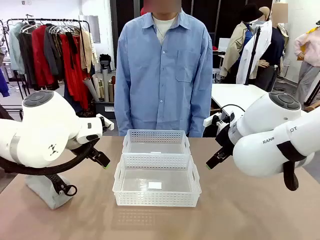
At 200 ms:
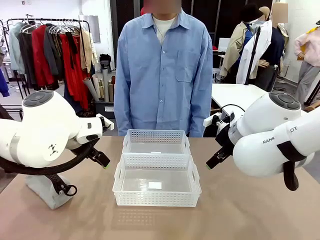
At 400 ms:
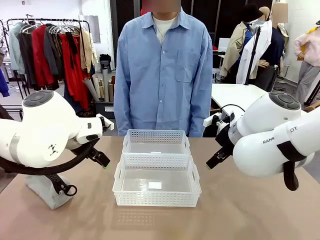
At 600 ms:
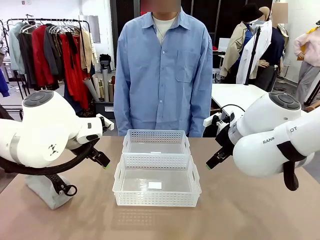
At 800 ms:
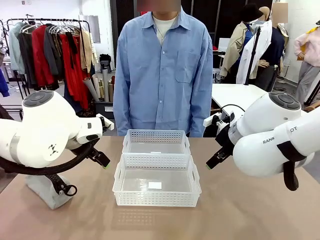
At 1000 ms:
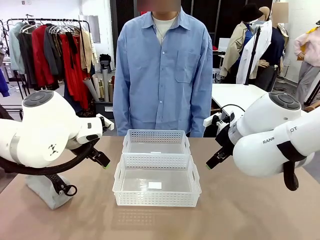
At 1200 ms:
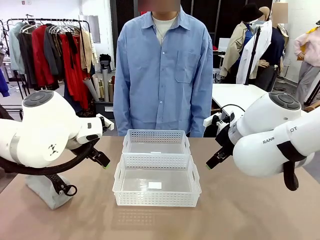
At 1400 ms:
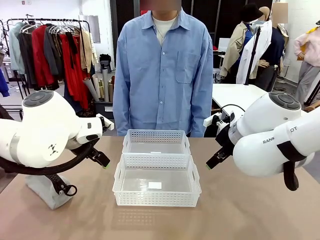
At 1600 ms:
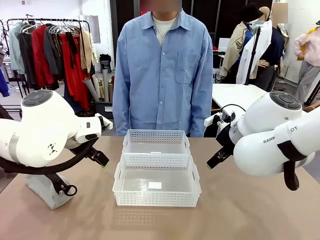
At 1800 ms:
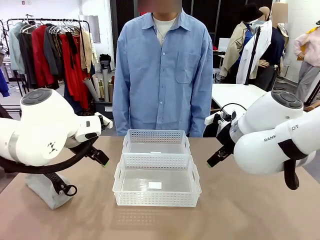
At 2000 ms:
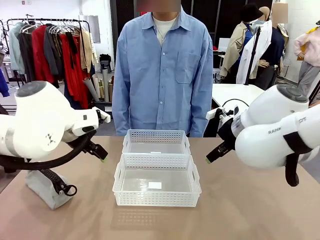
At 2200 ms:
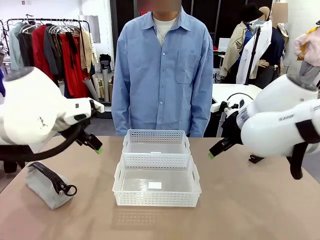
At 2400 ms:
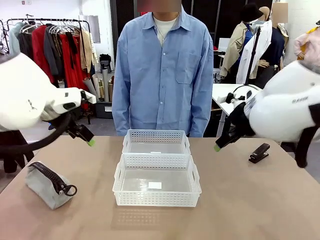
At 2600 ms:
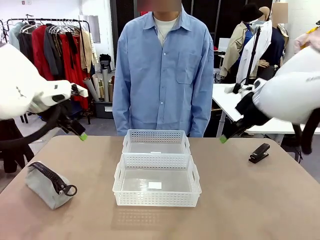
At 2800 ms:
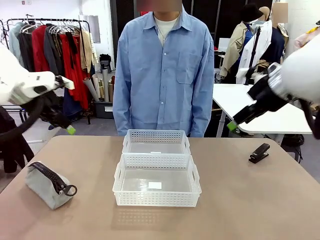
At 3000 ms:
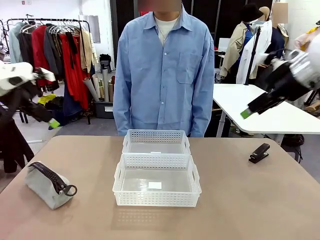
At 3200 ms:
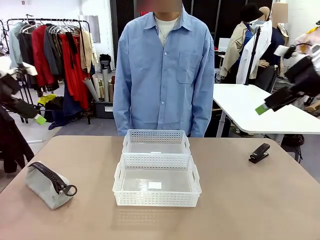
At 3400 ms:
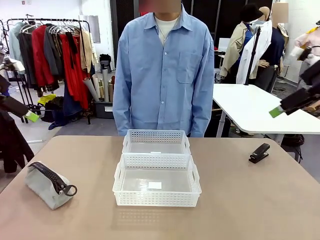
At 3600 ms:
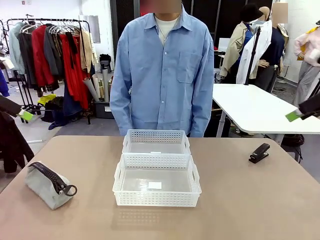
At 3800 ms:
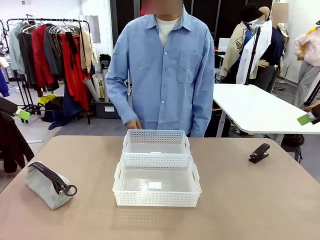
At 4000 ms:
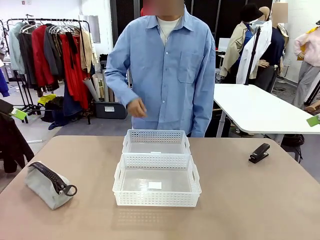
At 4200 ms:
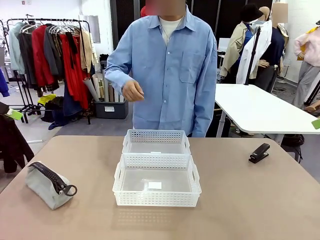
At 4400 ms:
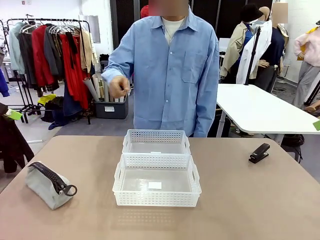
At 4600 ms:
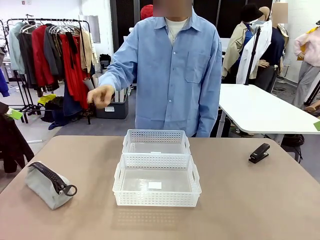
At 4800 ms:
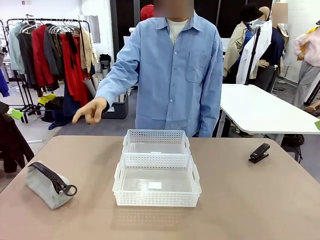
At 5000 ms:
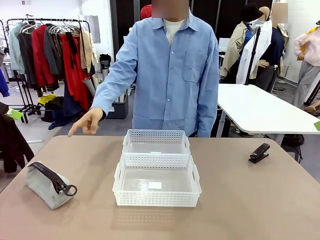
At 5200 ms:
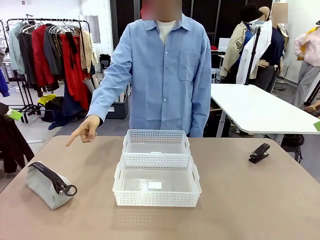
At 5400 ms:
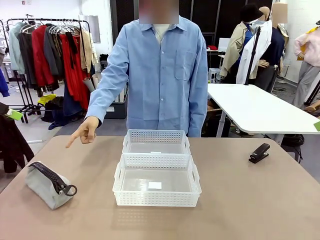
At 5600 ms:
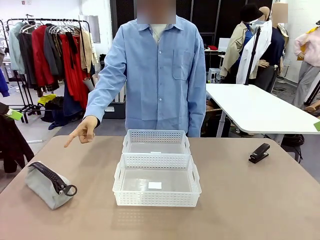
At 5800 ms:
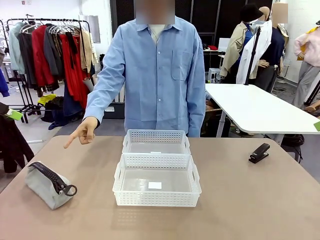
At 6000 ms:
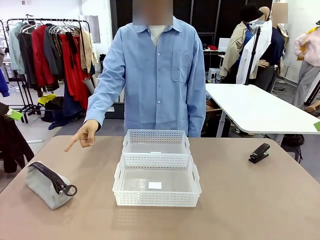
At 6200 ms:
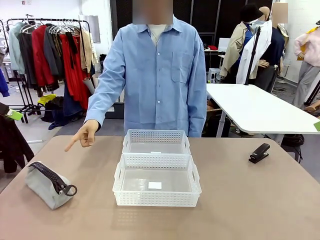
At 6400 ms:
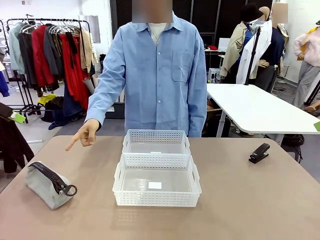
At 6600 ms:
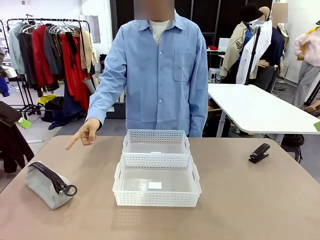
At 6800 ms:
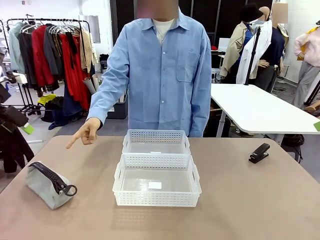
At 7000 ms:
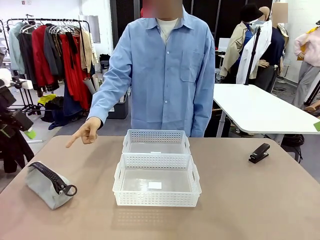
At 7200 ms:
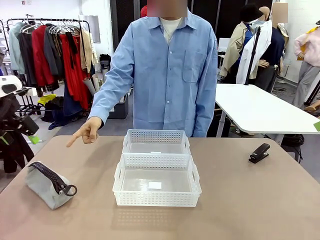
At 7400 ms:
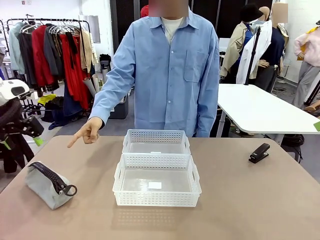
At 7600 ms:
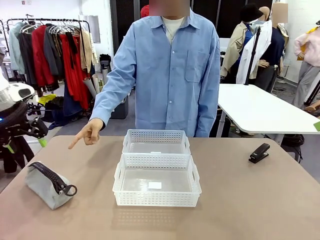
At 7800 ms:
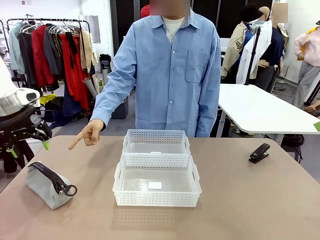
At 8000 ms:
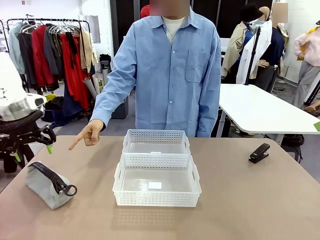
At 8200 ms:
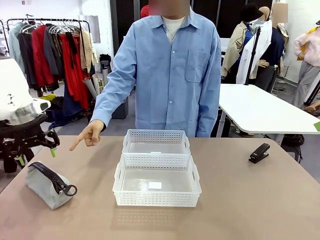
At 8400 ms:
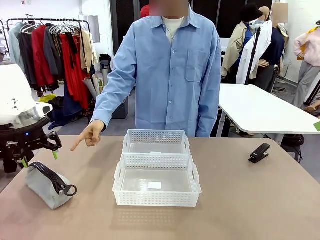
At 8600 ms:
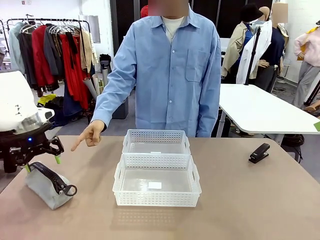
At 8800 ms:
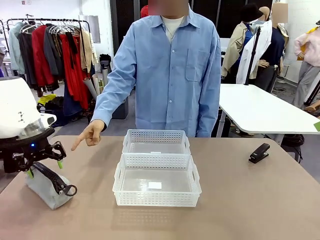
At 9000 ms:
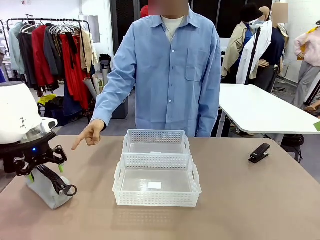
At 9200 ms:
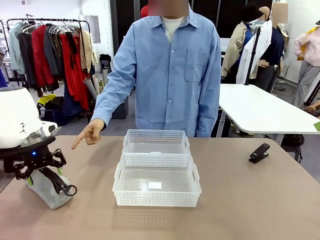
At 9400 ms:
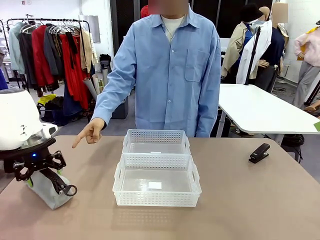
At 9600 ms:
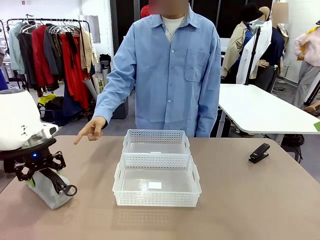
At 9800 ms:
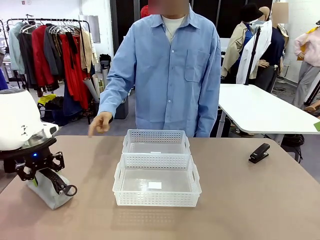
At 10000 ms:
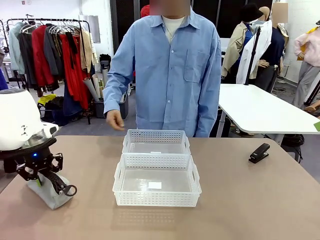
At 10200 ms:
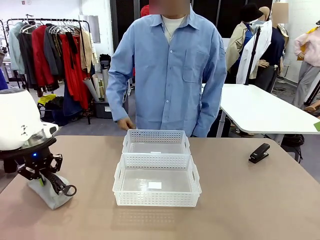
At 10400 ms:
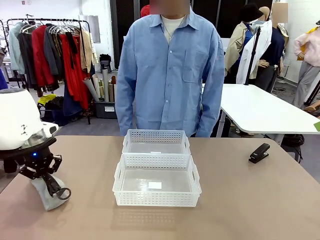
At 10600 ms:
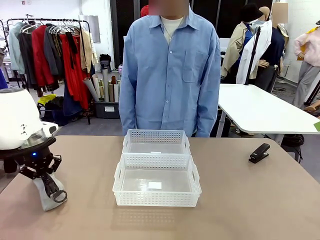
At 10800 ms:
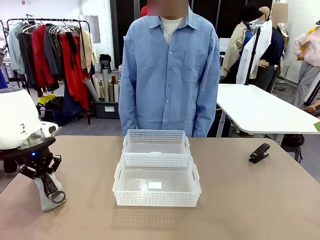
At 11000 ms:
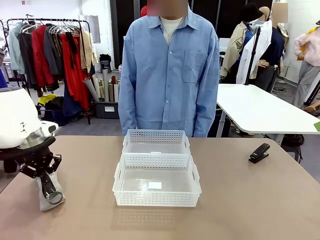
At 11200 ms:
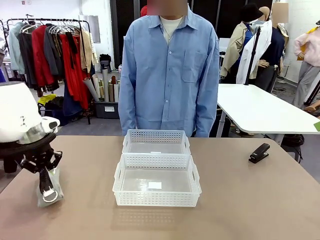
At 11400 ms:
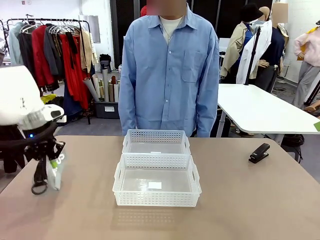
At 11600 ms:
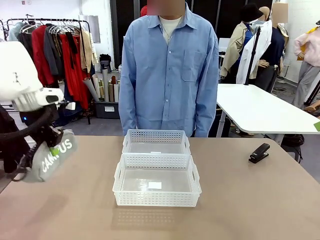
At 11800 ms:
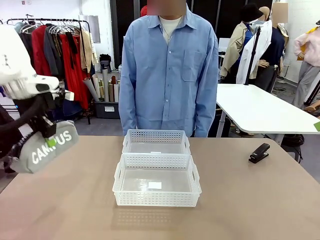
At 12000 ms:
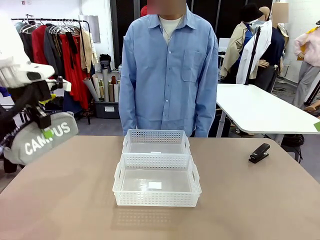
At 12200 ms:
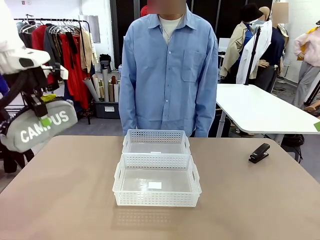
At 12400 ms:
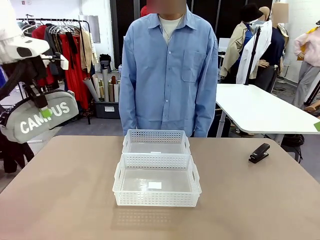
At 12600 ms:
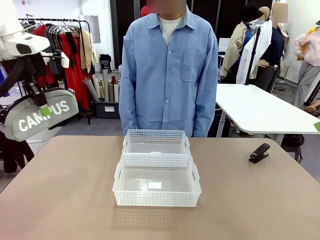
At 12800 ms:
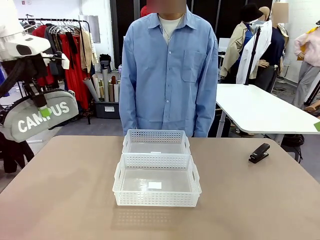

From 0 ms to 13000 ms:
Task: Distribute items into two baskets.
Robot: Pick up the Pencil pouch that the person points to.
Person: Points to the pencil case. Points between the two organizing baskets and instructs the robot to move the pencil case.

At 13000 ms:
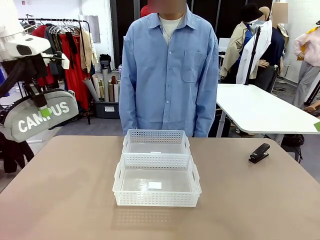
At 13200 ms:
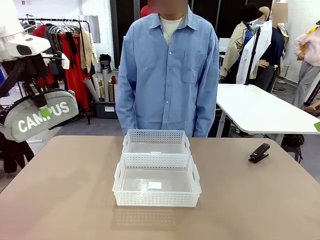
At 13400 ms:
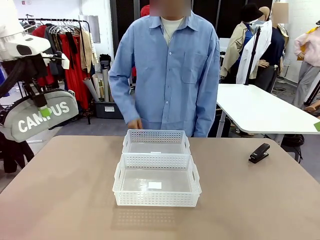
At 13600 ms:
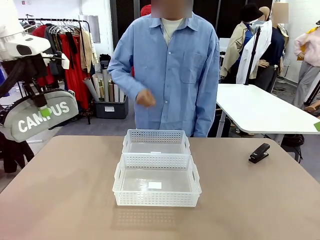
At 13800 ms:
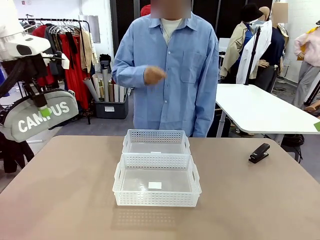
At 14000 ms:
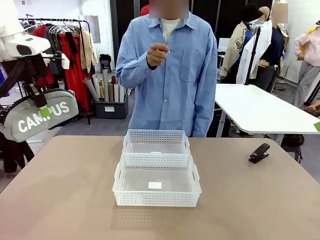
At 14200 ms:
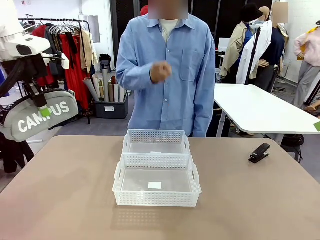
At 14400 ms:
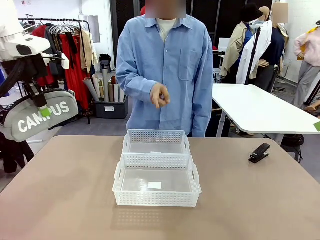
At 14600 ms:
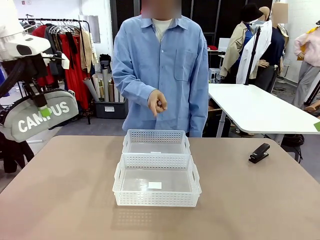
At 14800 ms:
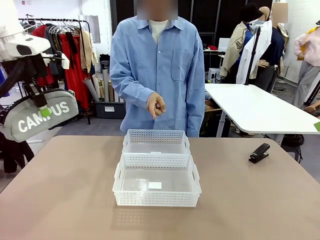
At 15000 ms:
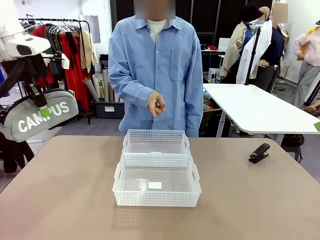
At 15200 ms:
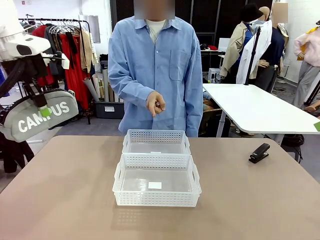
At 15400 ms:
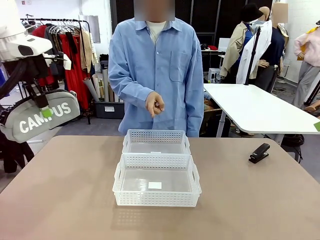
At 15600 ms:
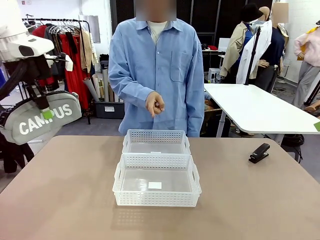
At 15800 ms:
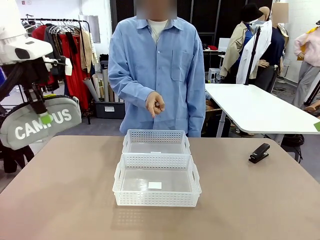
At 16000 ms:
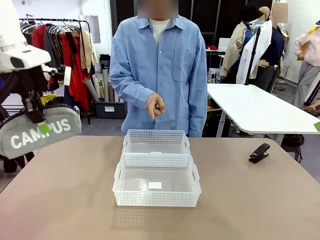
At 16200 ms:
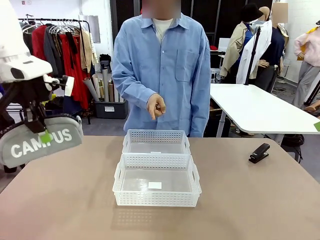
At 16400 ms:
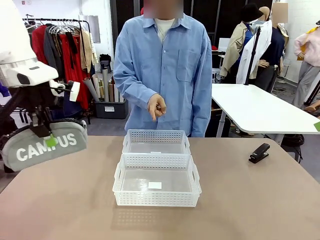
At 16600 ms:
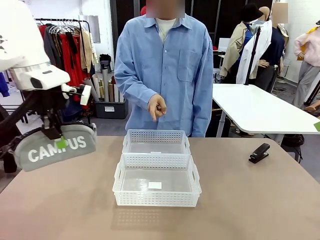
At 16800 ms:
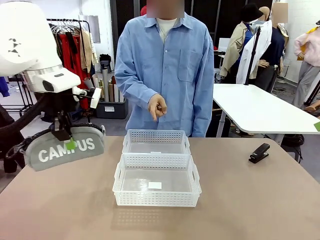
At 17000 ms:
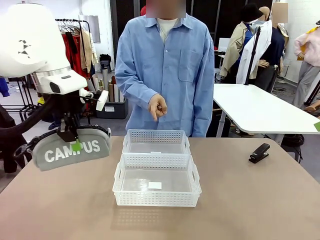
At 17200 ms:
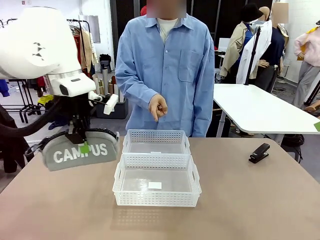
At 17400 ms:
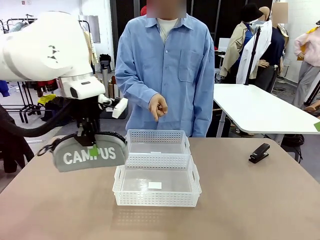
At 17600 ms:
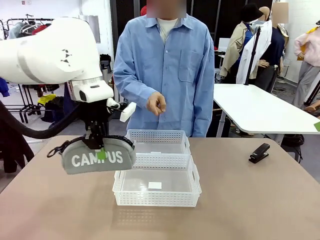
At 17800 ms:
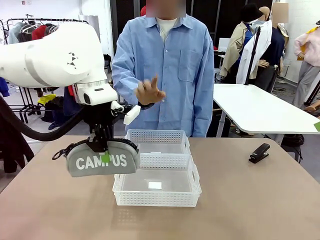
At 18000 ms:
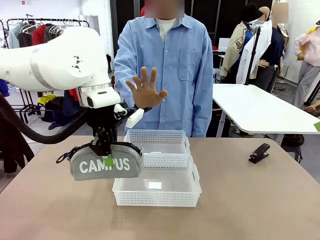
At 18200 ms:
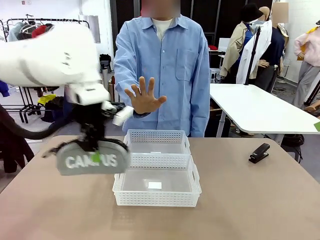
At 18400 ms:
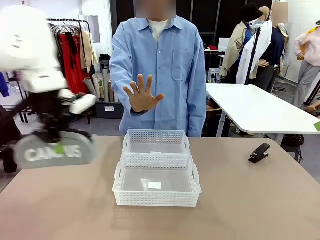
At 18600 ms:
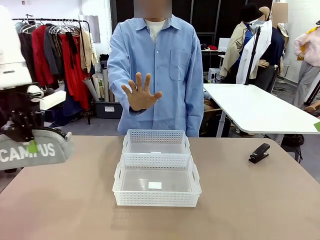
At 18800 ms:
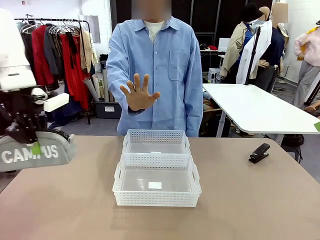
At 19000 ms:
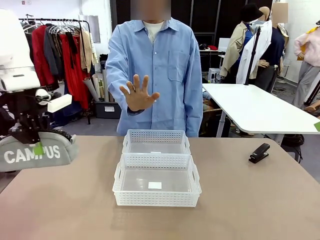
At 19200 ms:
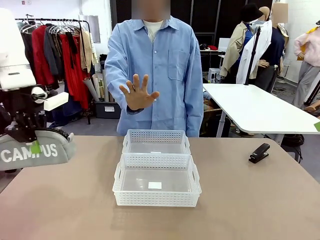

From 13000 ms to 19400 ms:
Robot: Move the picked Pencil pouch towards the Organizing basket indicated by the person, stopping as directed.
Person: Sends a stop gesture before the robot places the pencil case into the basket.
